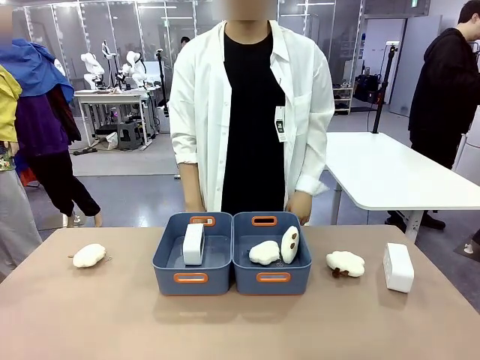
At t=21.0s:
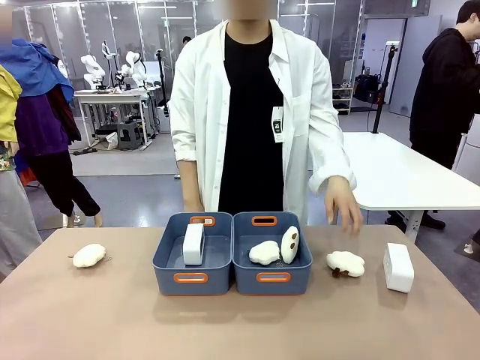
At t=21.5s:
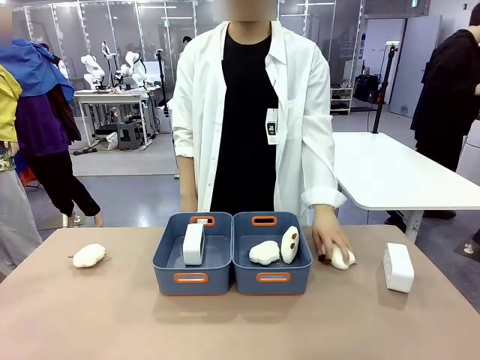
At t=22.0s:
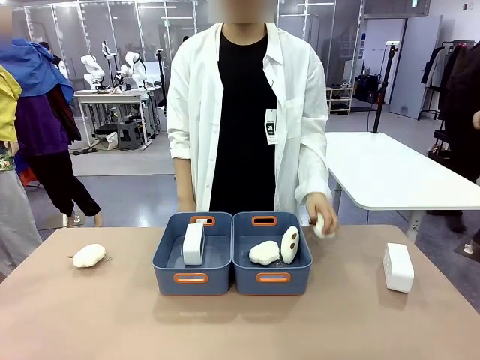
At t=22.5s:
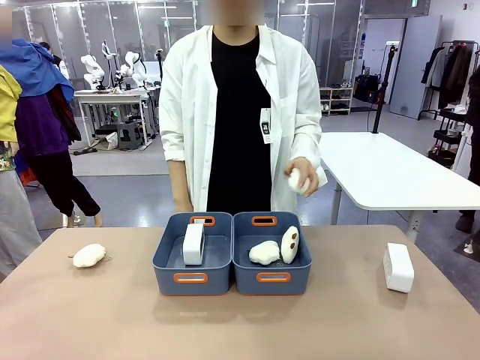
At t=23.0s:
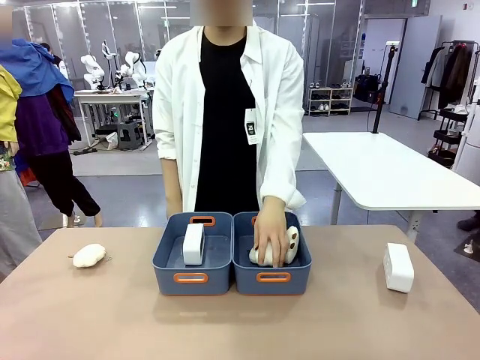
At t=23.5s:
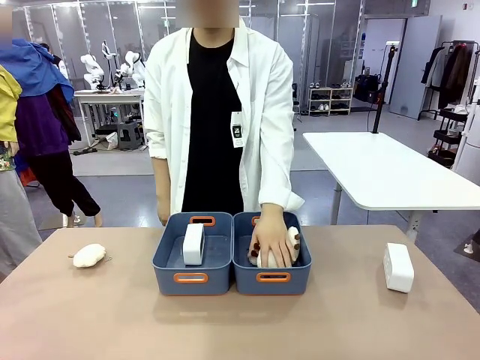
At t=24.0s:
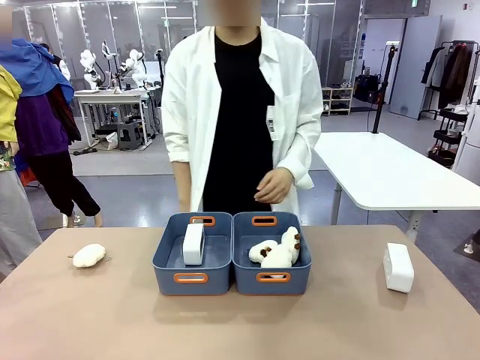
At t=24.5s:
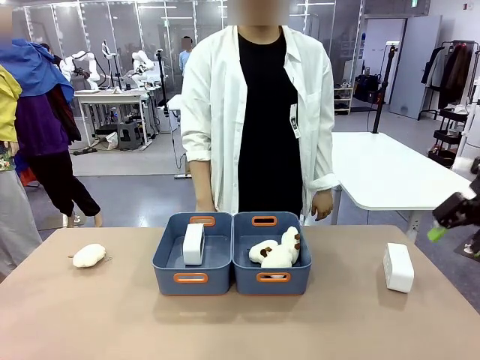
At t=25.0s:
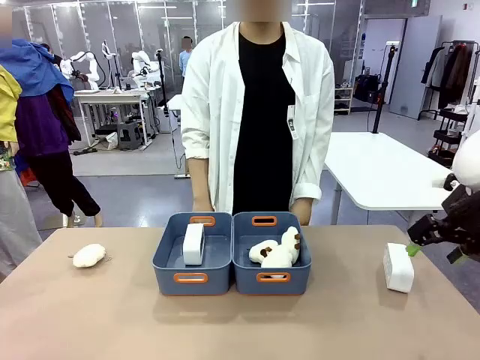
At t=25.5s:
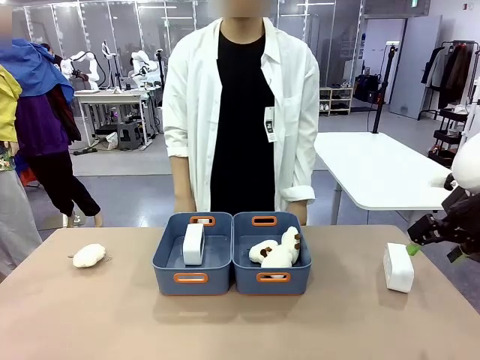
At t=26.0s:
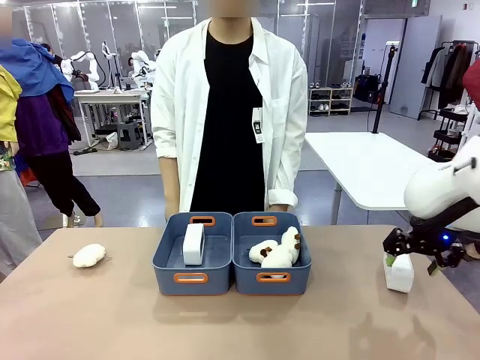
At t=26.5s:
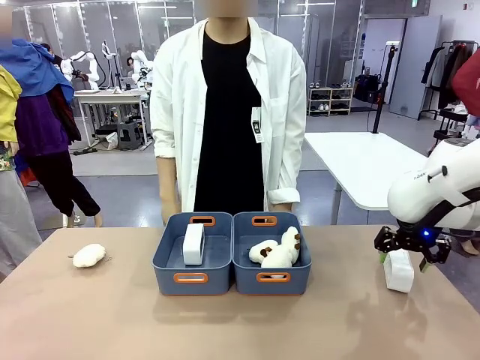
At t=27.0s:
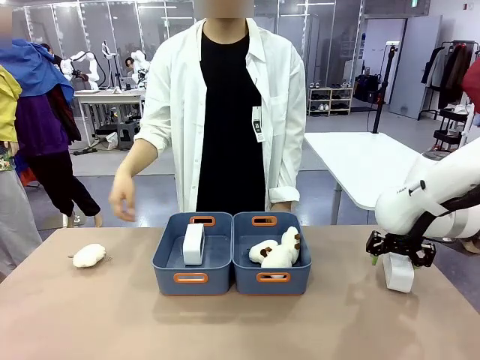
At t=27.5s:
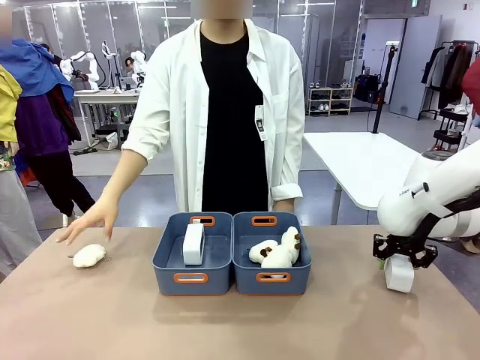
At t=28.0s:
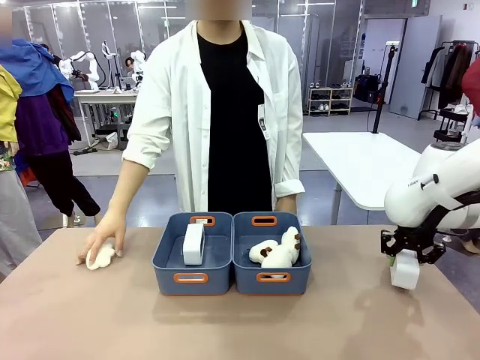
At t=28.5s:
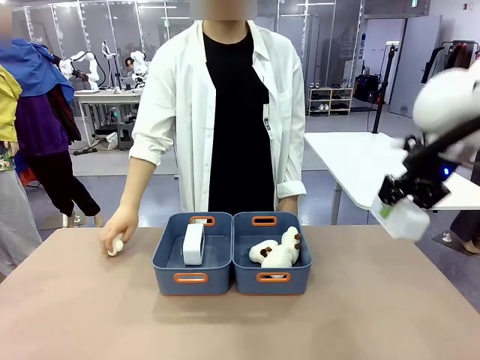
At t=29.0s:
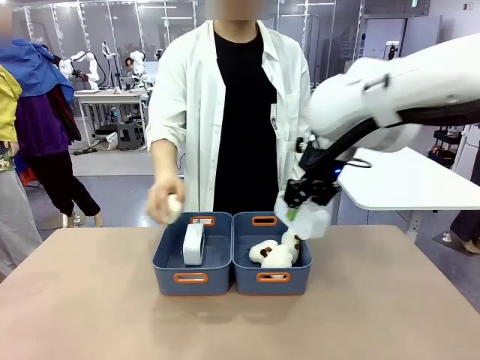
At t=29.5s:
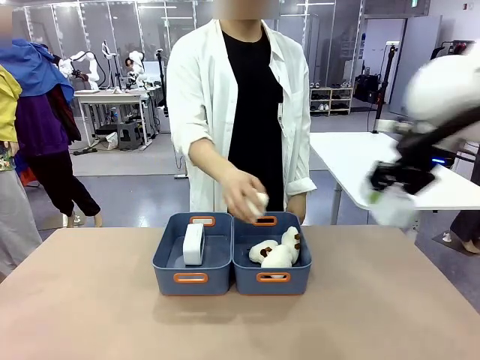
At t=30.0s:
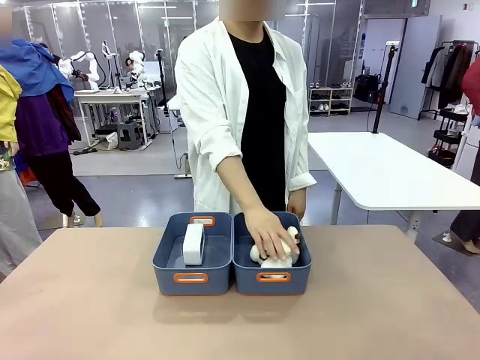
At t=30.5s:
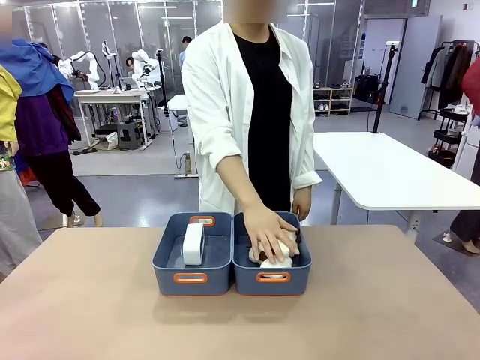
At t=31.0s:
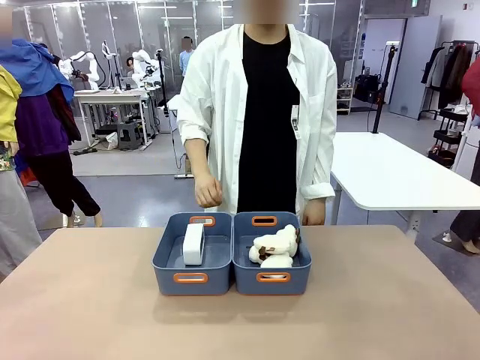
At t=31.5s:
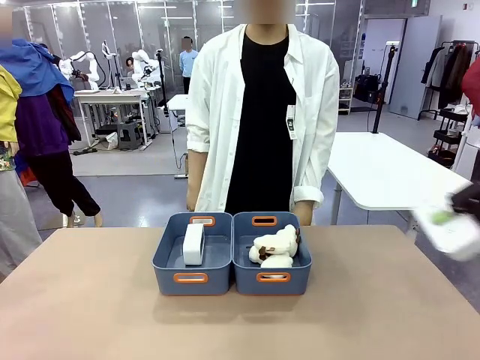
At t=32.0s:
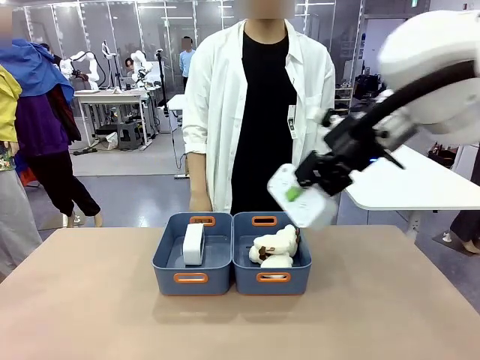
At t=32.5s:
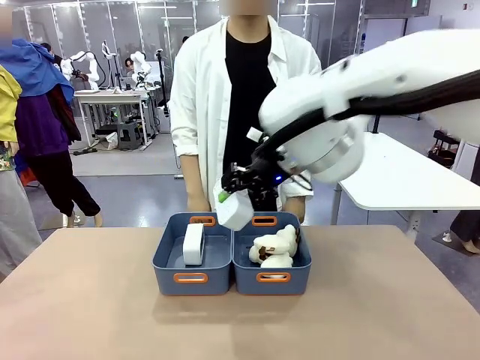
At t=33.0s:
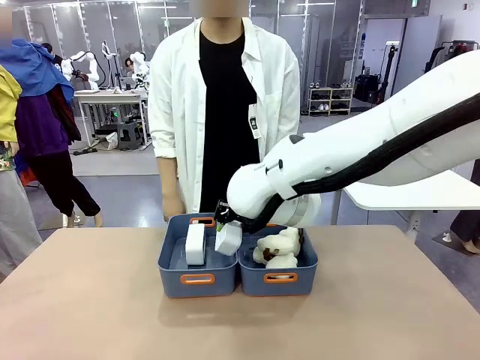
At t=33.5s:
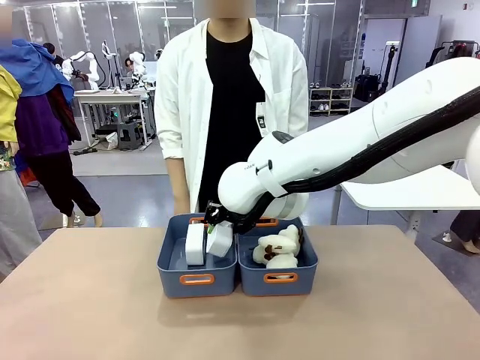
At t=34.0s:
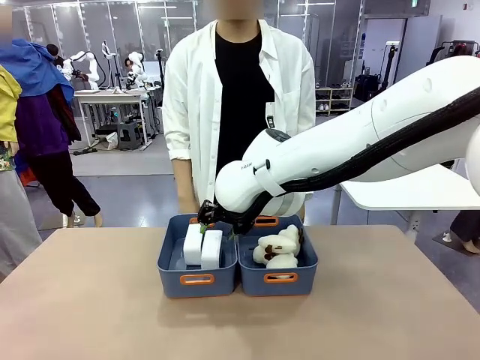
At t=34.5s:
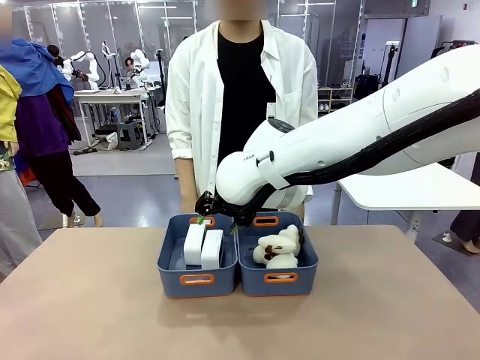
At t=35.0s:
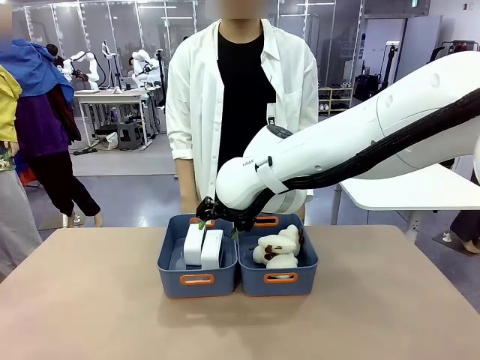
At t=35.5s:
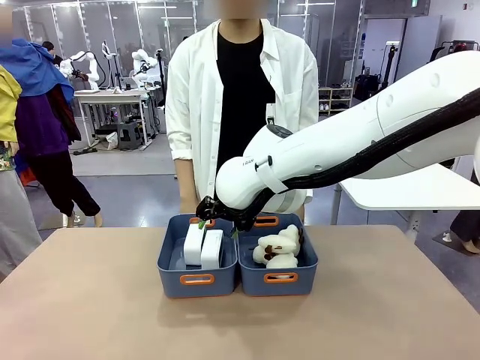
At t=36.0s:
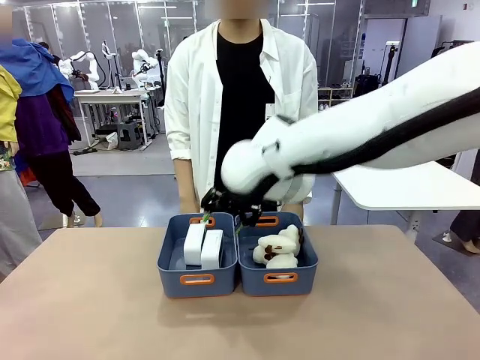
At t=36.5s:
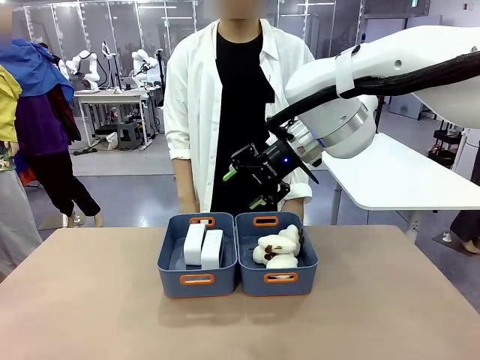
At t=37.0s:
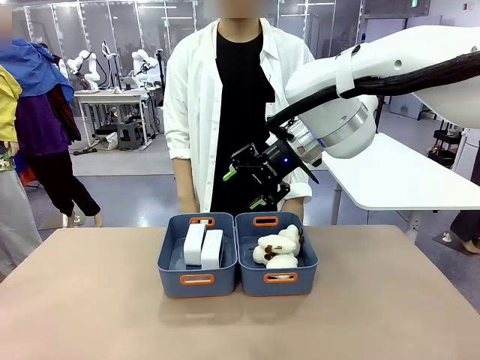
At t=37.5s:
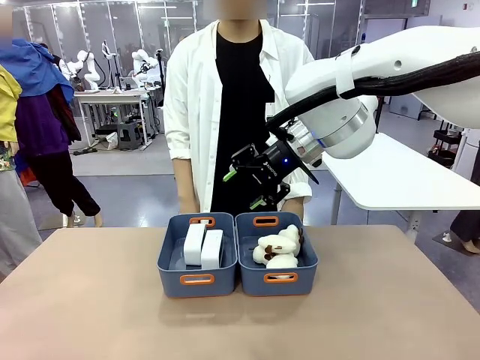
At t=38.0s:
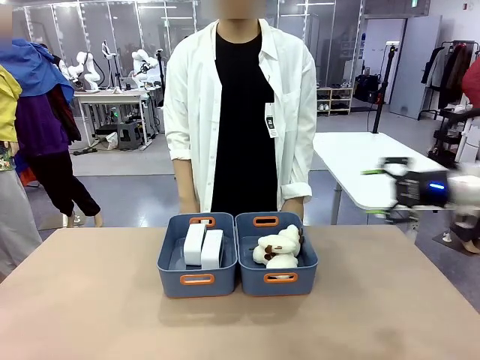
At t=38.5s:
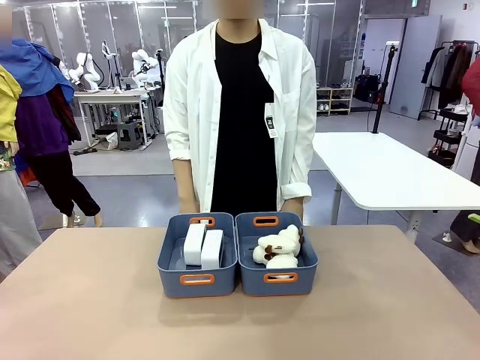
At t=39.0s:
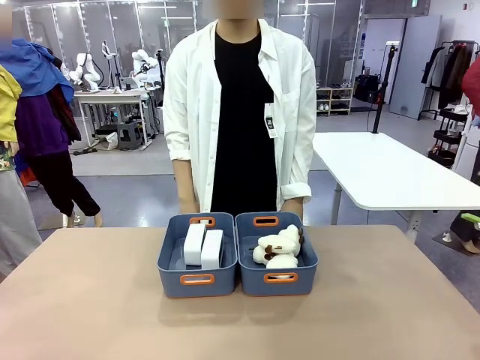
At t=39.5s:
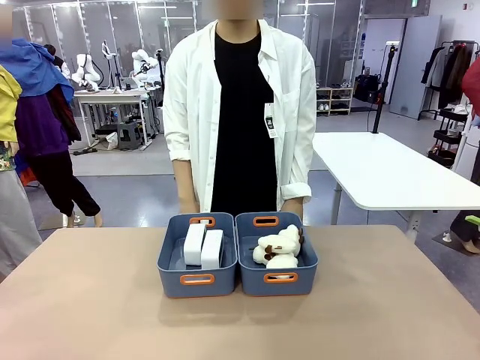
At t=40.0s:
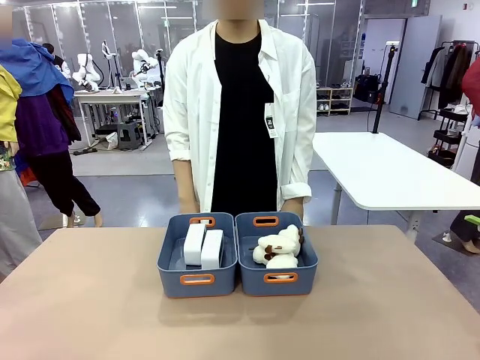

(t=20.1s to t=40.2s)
Task: Sort the digital clocks into the basket.
Robot: Pick up the Digital clock from the table and place it into the empty Plastic storage basket.
Person: Pick up a plush toy from the table and place it in the plastic storage basket containing the plush toy.

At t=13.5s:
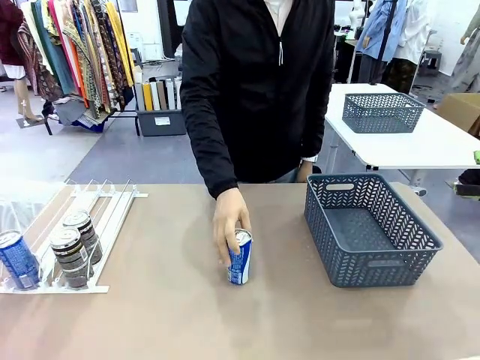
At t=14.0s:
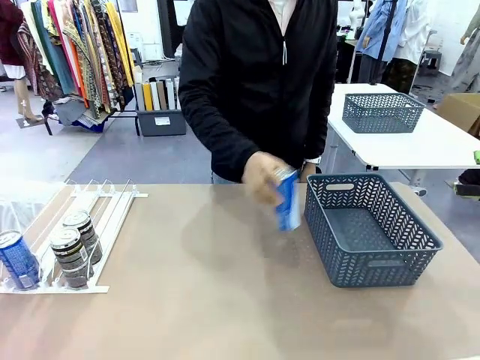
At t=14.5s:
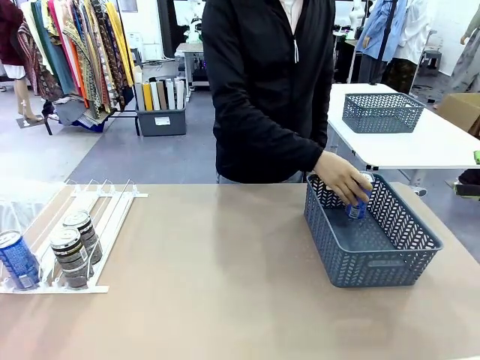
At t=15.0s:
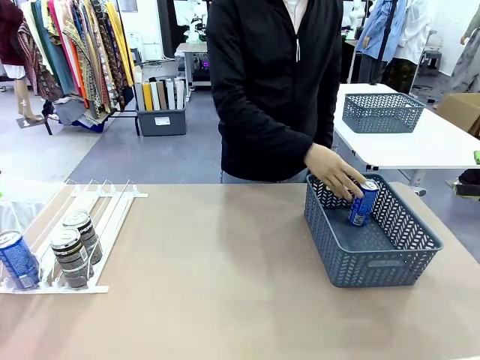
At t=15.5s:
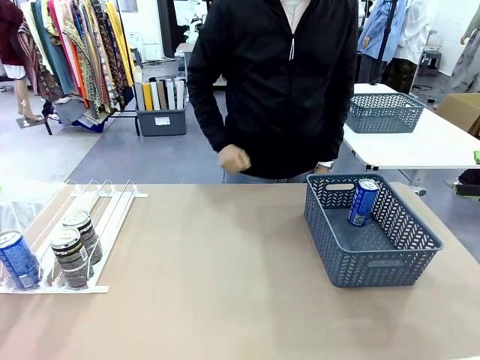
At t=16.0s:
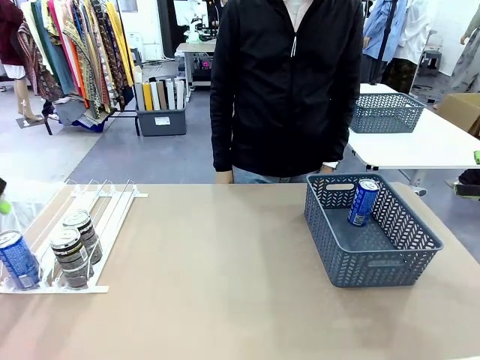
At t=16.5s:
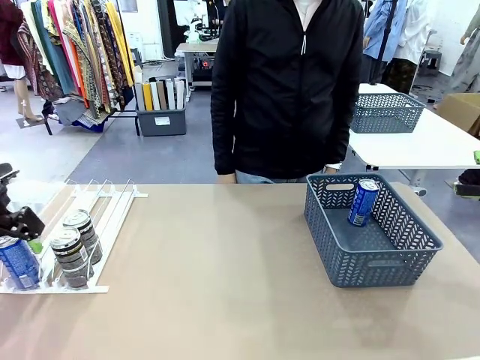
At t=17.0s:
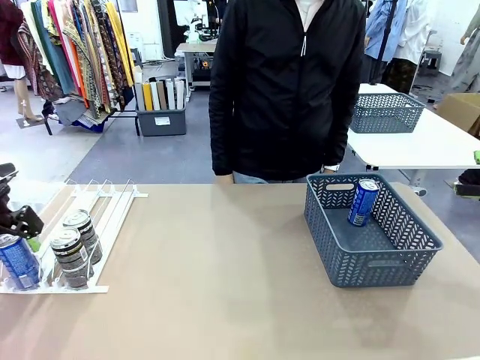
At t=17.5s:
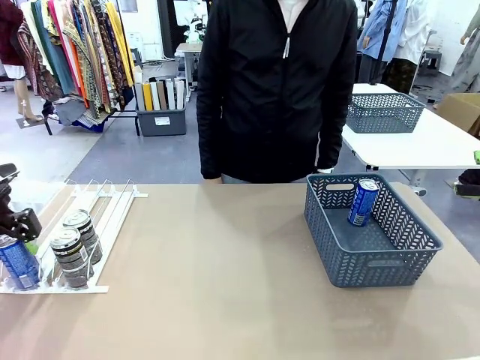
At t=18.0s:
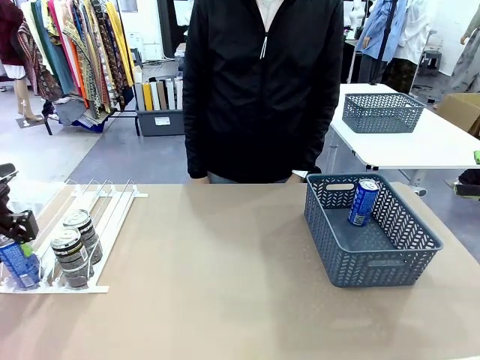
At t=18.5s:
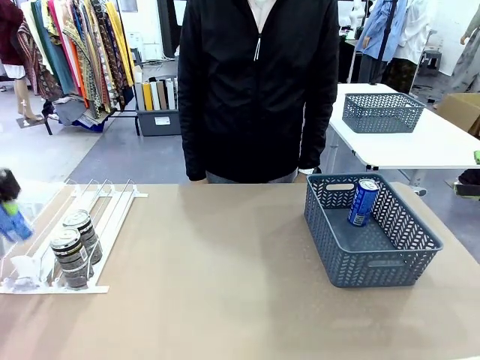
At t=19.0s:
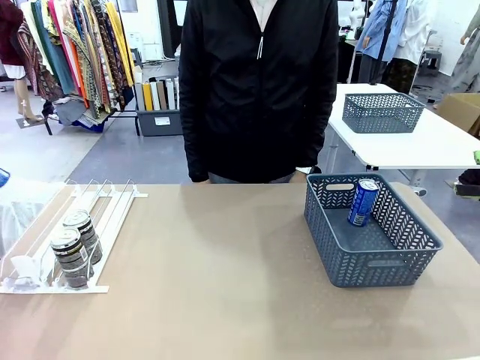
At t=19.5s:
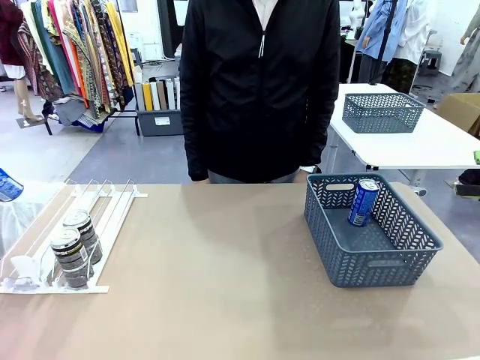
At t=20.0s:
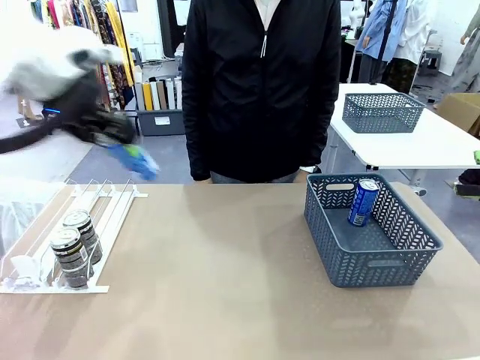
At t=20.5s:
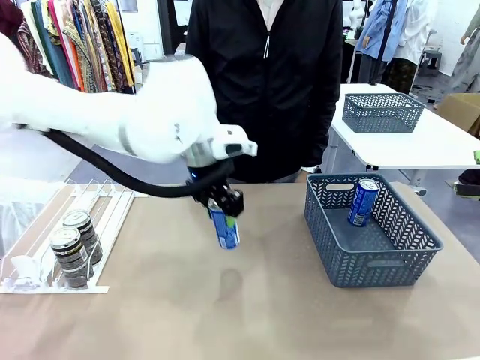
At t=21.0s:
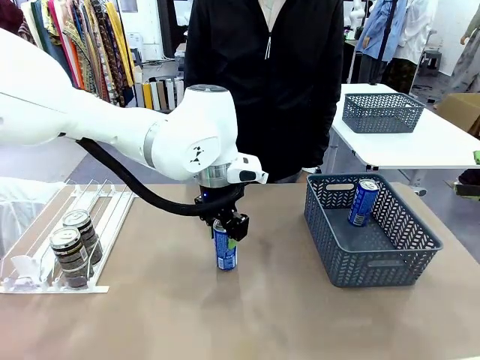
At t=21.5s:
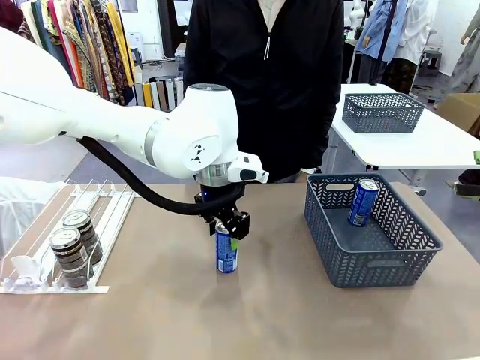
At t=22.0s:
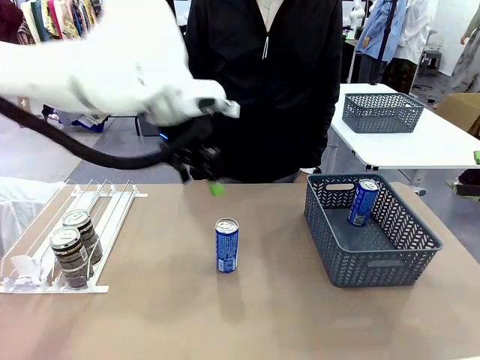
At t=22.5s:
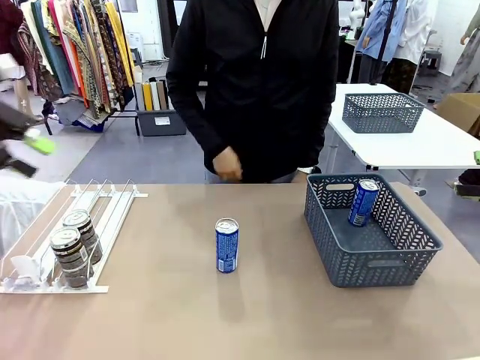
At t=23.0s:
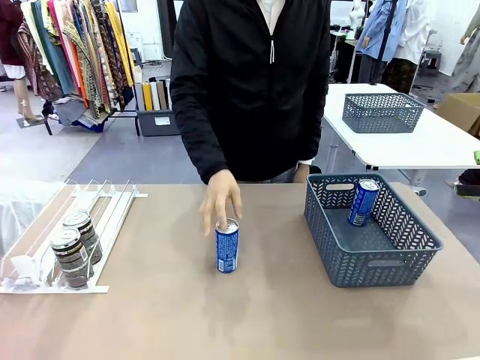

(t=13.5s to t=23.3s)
Task: Retrieve and store the cans from the dispenser.
Robot: Pick up the last remaining can from one row of the Automatic Can Dispenser and place it in the middle of the table.
Person: Pick up one Pepsi can from the middle of the robot table and place it in the basket.
